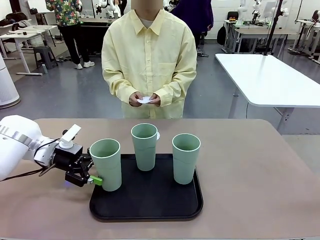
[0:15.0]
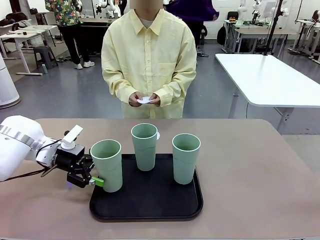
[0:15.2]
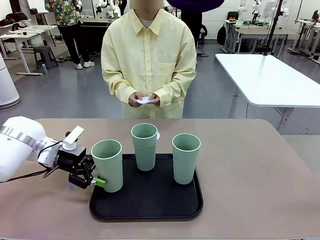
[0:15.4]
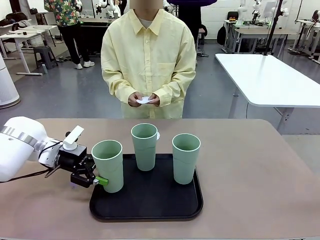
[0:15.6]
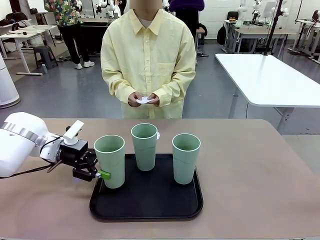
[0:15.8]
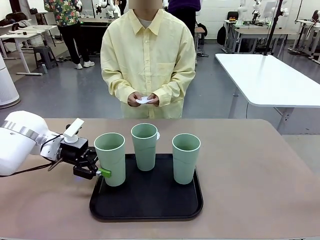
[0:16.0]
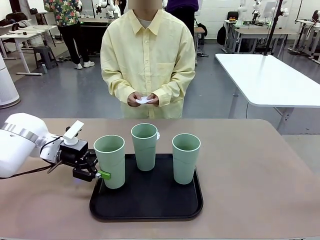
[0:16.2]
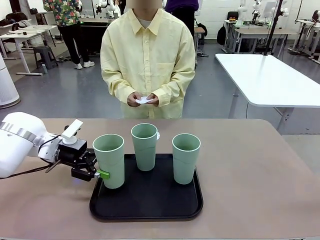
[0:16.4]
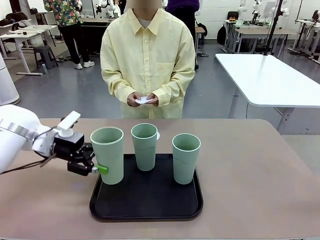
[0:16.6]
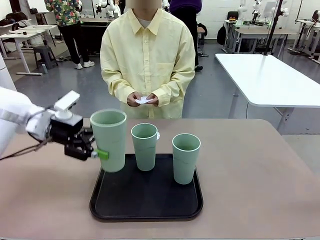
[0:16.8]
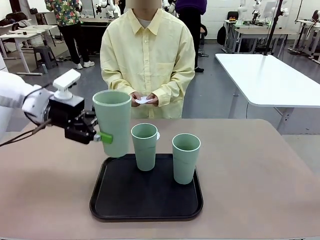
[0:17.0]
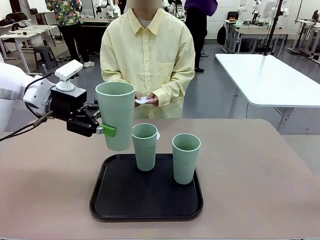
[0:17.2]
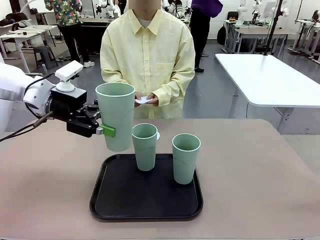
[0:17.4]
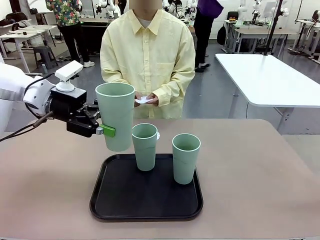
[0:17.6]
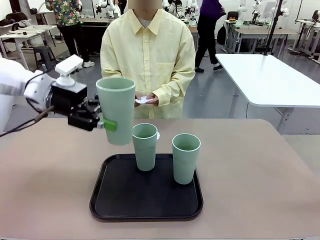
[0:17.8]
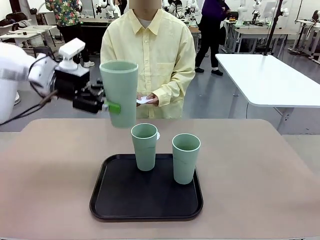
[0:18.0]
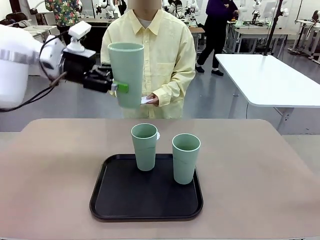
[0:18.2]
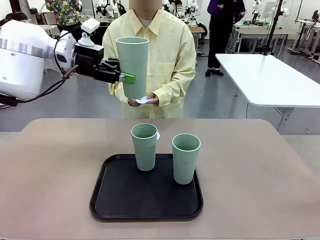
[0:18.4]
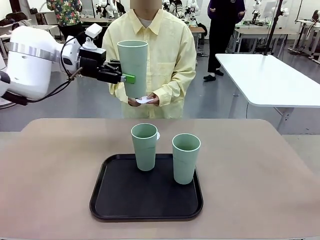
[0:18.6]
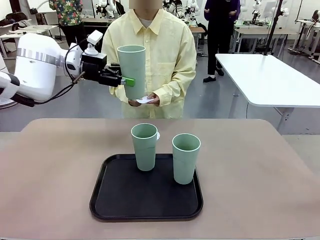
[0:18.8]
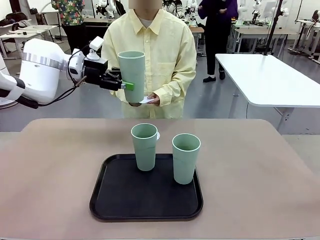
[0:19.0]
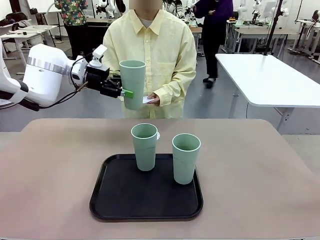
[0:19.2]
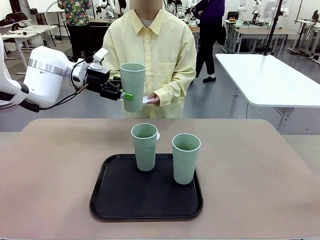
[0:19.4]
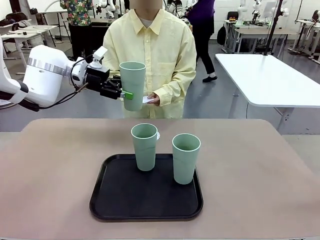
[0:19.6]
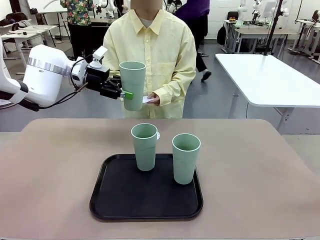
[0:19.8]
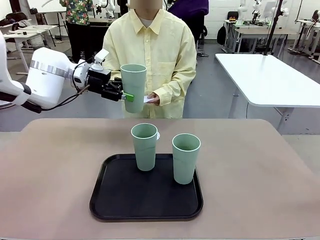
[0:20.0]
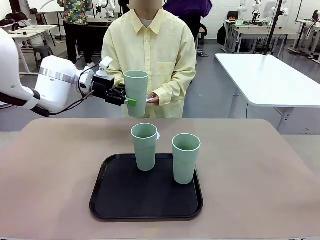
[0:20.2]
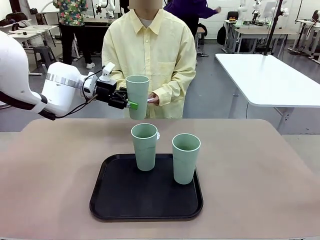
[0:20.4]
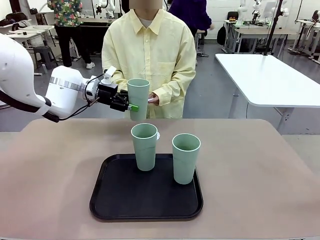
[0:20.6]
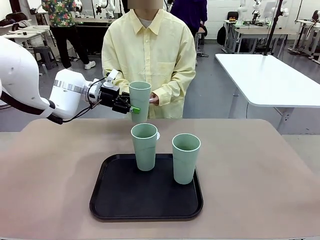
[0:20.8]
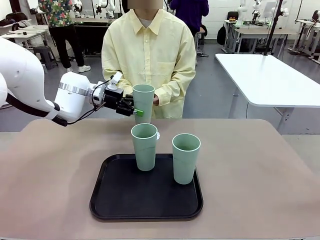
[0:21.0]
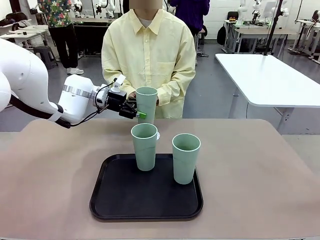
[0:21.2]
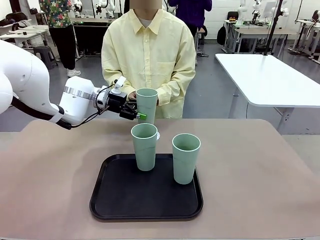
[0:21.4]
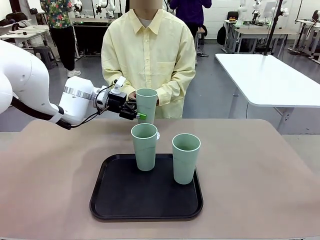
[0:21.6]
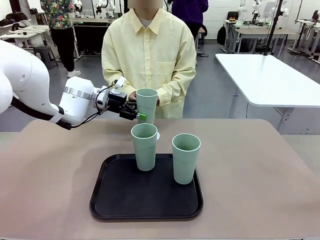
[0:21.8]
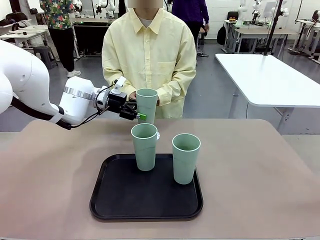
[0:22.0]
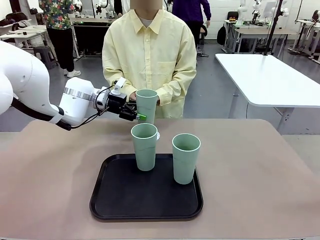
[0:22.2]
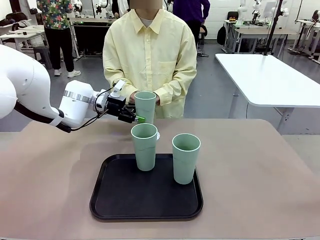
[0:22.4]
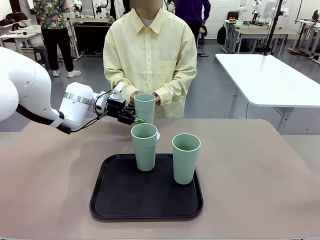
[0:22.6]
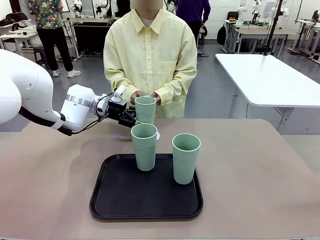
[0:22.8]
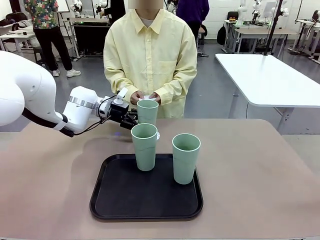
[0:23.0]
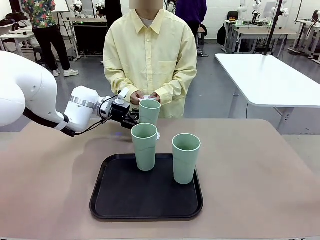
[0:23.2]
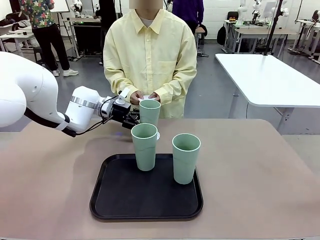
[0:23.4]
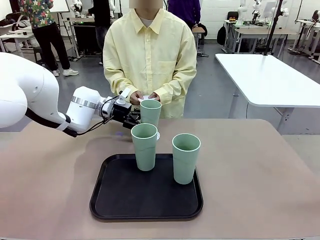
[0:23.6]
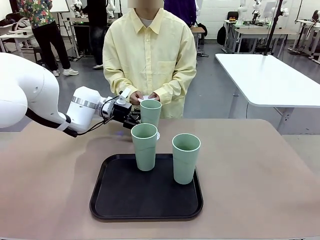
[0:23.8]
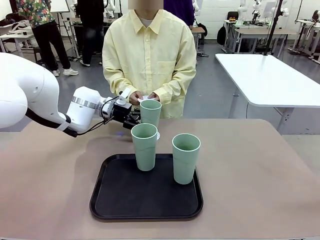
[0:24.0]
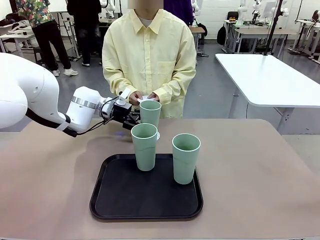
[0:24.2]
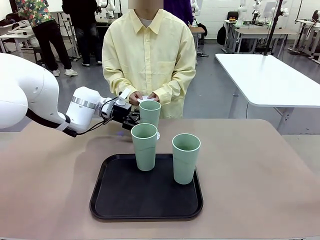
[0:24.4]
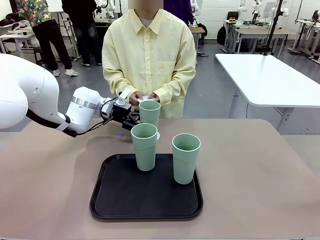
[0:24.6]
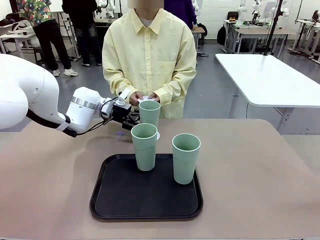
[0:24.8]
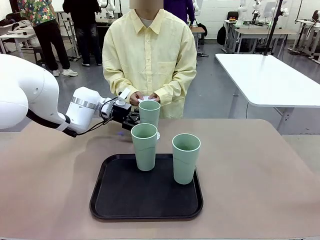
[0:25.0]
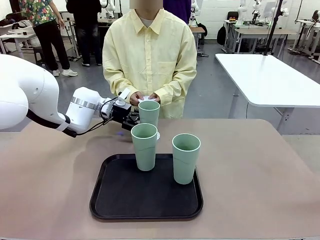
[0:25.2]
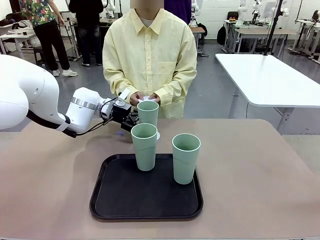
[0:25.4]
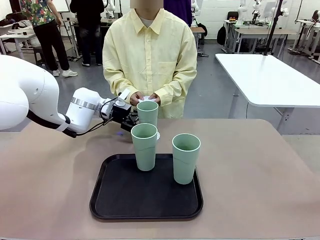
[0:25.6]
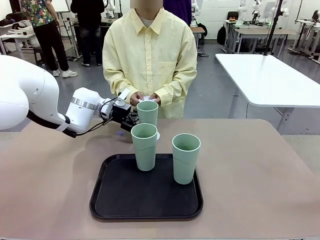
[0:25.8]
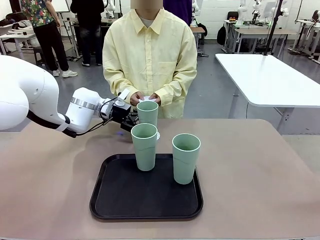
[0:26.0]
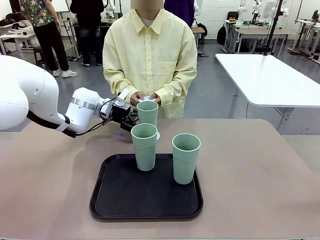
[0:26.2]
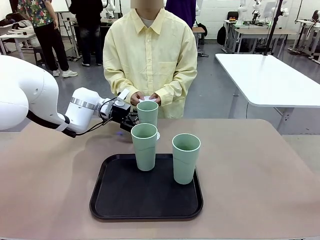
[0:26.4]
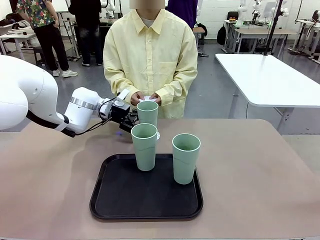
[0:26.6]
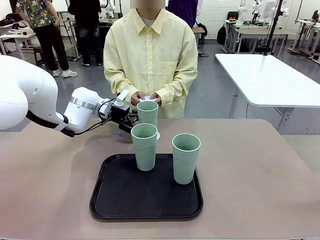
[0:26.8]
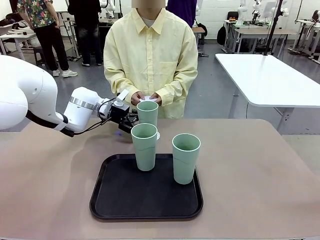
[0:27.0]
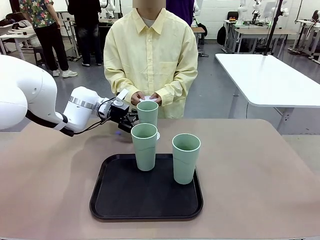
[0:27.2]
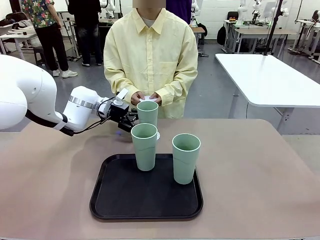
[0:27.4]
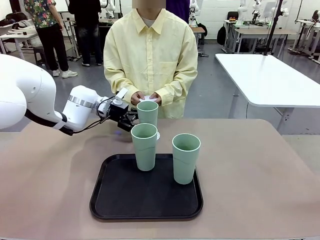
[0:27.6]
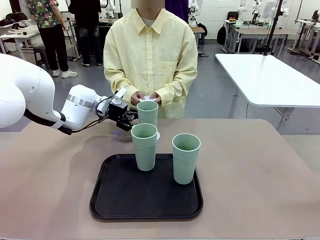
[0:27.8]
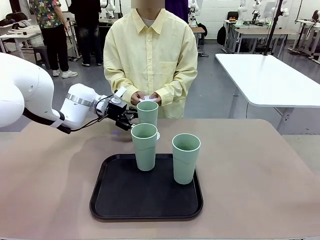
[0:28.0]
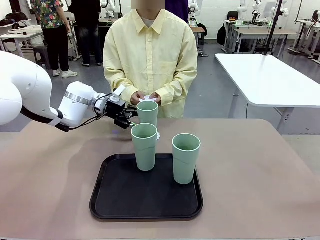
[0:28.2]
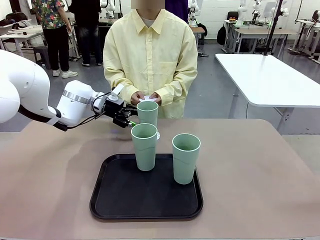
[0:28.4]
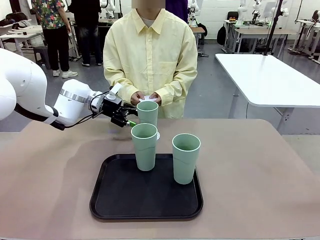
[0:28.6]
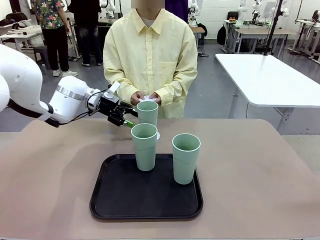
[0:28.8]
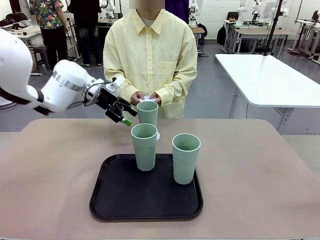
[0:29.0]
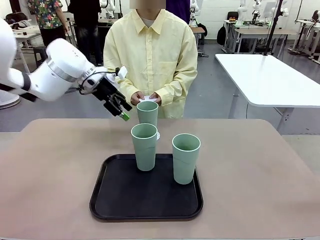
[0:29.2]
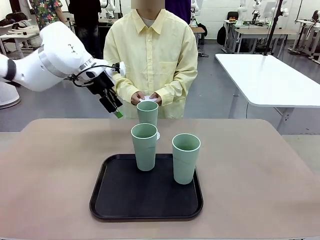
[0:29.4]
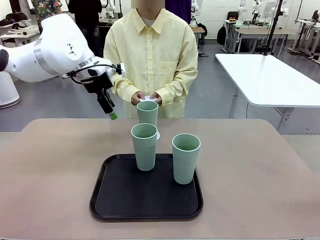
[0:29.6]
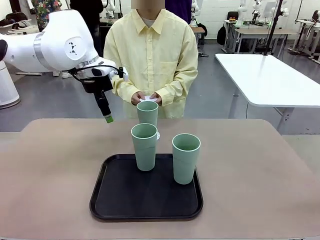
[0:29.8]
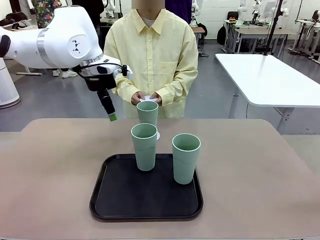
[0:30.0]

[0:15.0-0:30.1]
Task: Place coasters on the table and set cups on them.
Robot: Pick up one Reusable plastic cup and place it on a coaster set by the human.
Person: Place one coaster in one of the two areas excluding the previously selected area.
